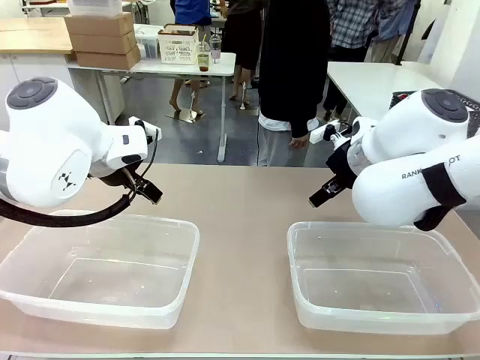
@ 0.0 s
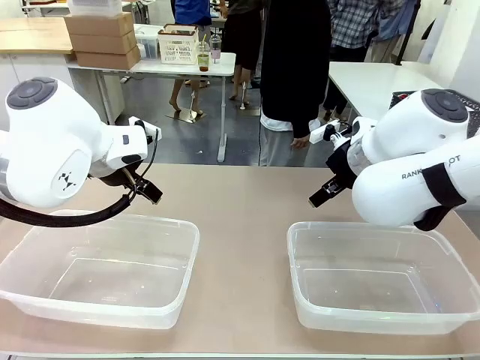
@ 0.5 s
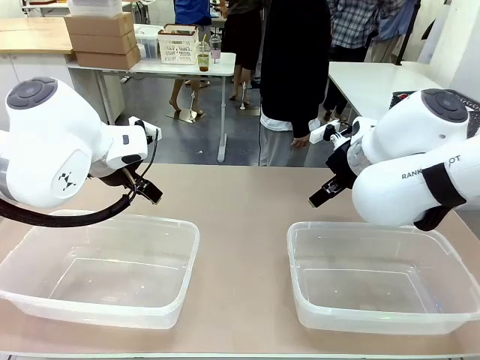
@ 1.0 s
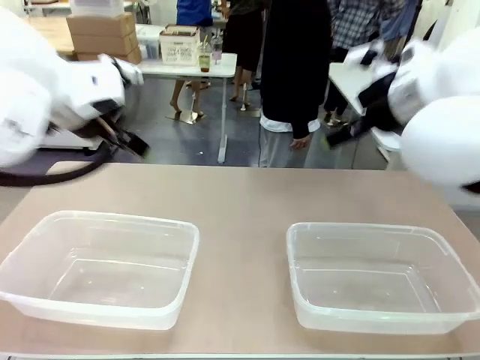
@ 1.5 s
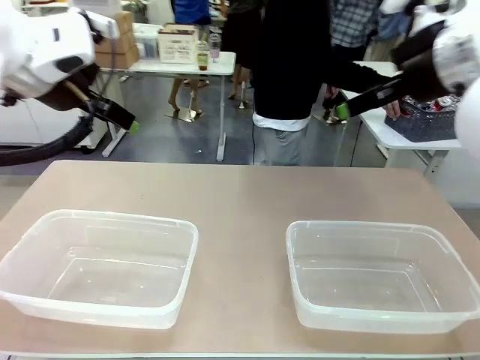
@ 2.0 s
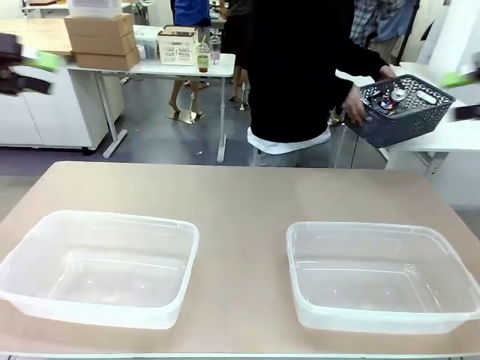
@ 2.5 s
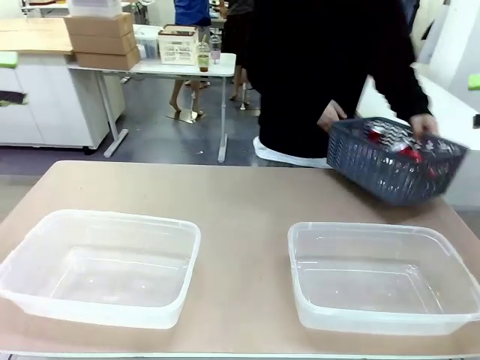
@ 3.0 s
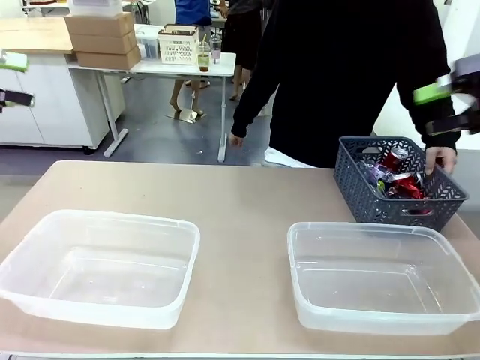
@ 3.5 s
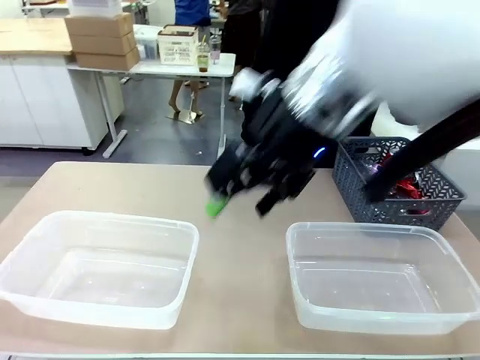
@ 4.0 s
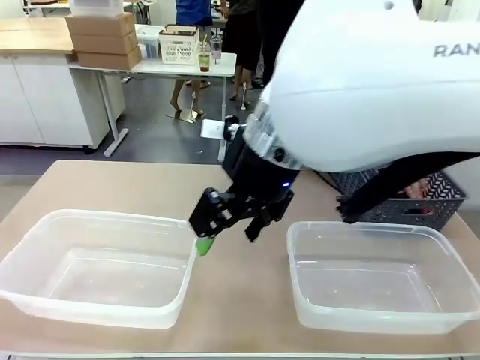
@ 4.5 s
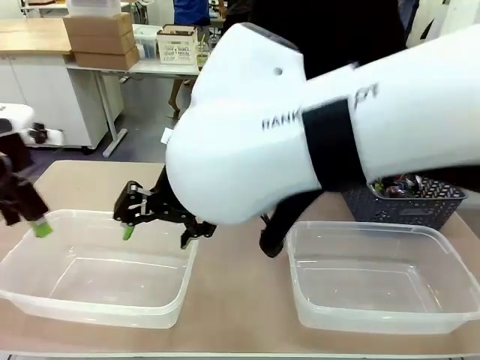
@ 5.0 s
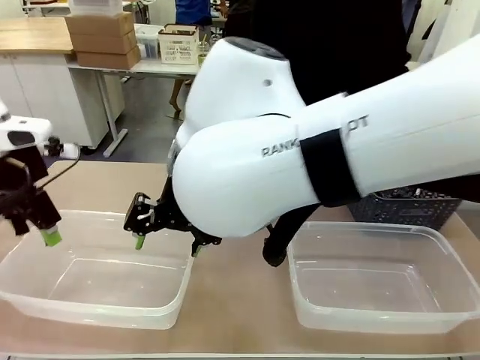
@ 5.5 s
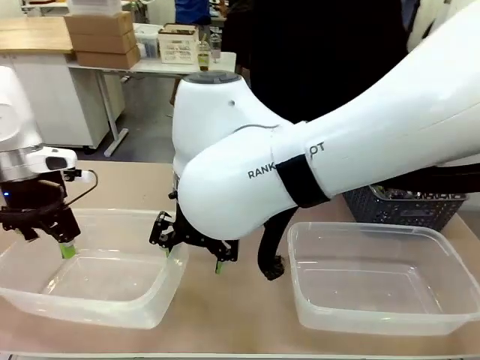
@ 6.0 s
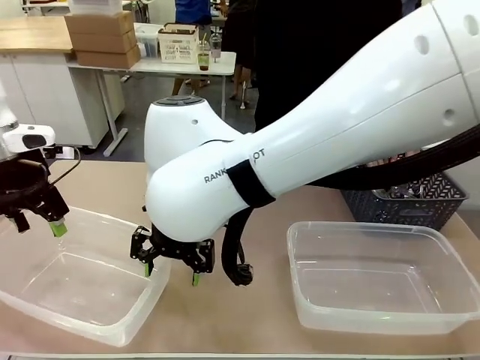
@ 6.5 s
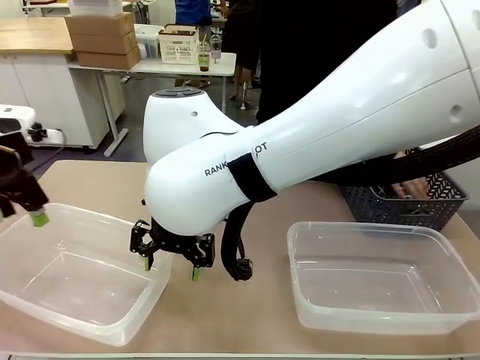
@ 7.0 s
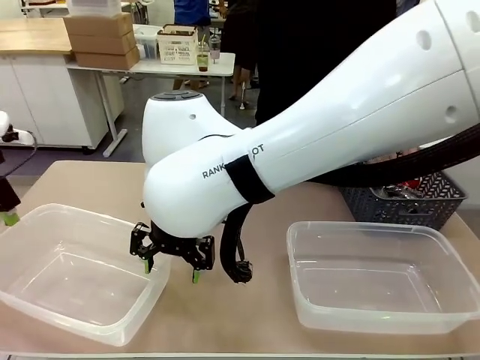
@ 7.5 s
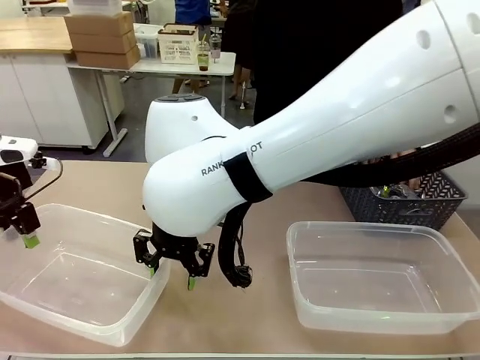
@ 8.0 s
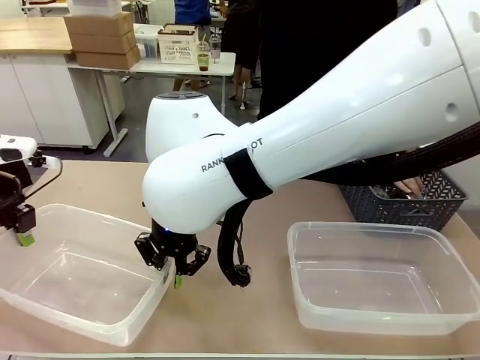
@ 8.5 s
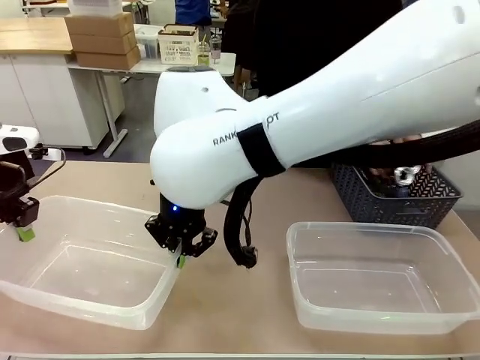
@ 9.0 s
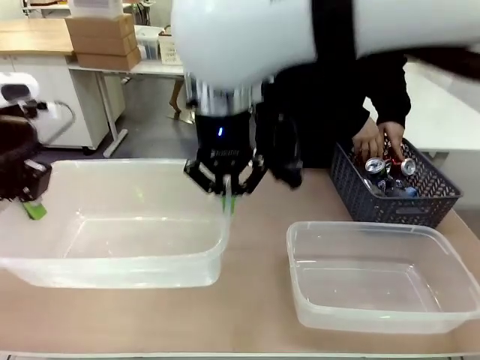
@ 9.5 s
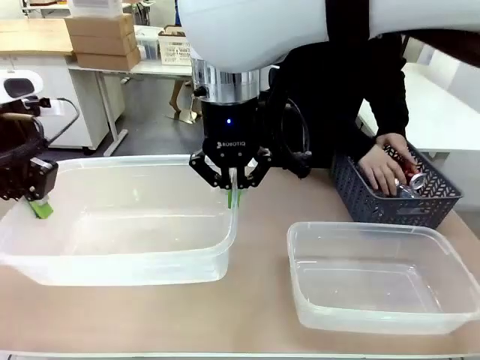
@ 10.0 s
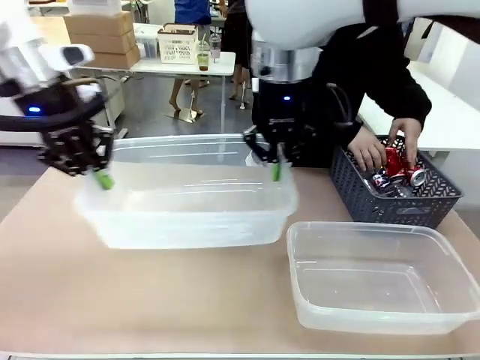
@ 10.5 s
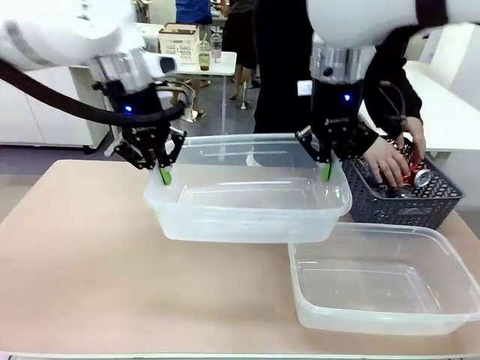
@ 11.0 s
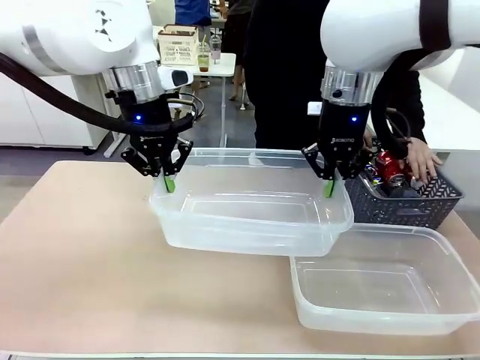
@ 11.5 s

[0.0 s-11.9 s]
Robot: Pick up the Organizing box on the left side of the table and lift it.
Person: Pick up the storage basket and place it on the left side of the robot table. Pick up can-shaped waste one by one and place it into the organizing box lifted by the robot.

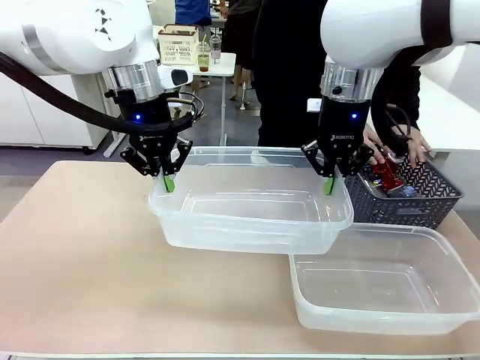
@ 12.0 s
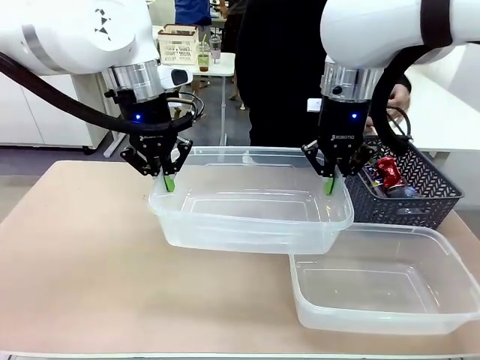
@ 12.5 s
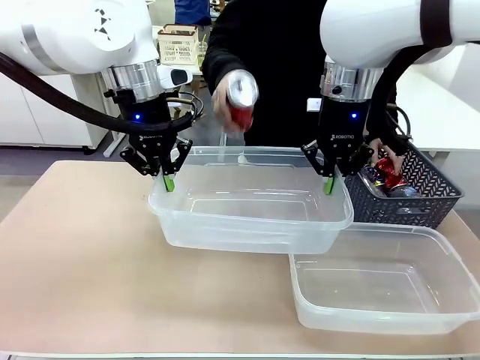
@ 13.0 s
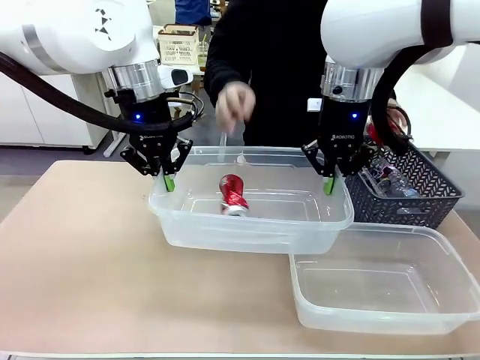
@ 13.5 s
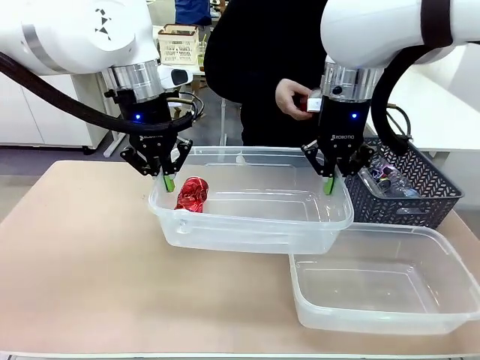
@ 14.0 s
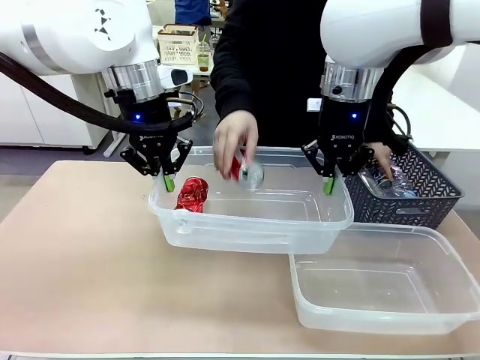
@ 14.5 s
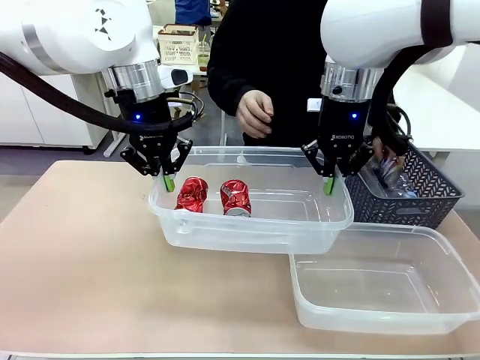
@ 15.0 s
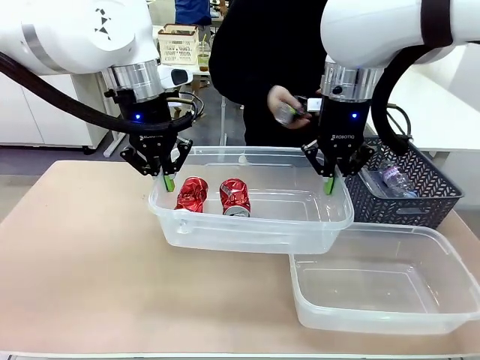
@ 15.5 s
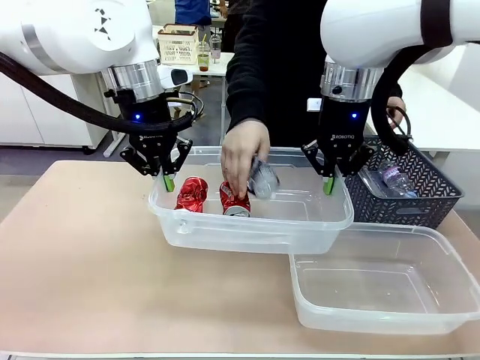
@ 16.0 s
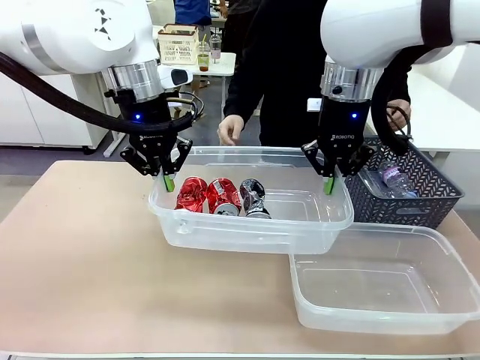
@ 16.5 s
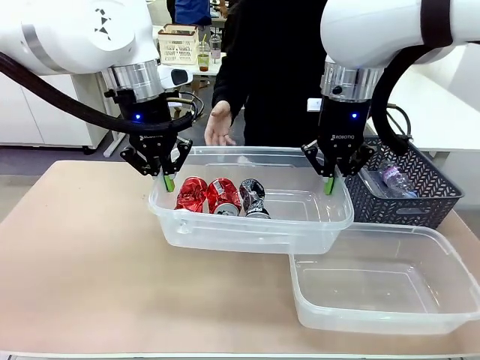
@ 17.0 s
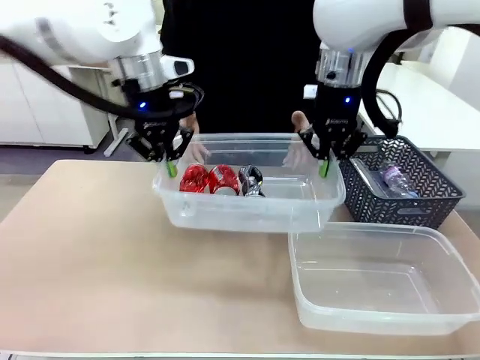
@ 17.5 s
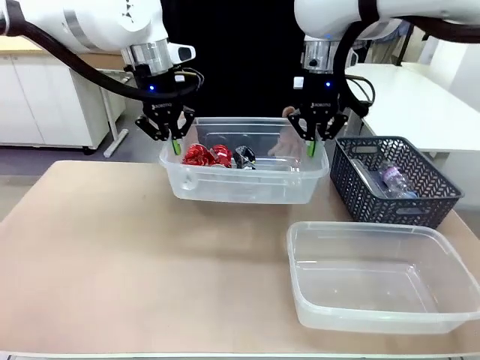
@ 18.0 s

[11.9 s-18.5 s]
Robot: Offer the picked Organizing box to the human.

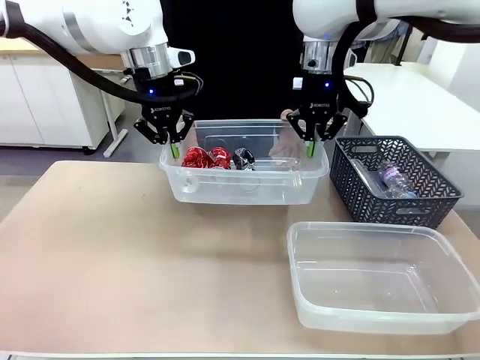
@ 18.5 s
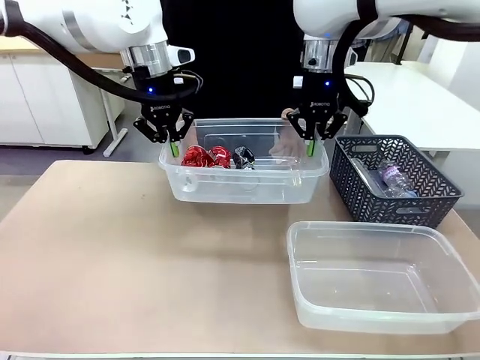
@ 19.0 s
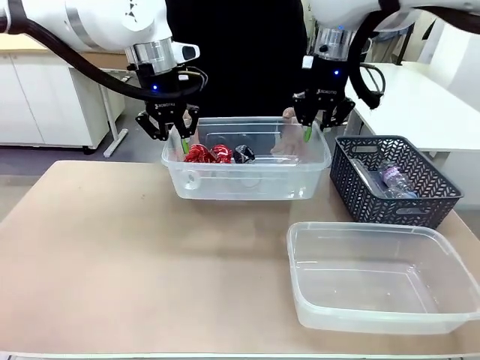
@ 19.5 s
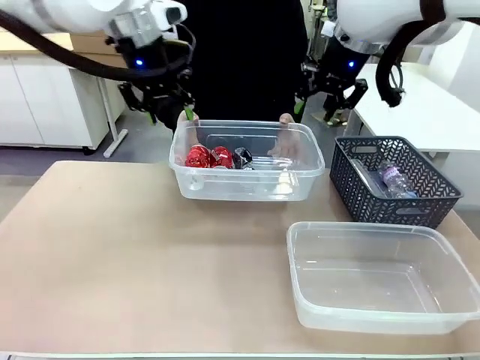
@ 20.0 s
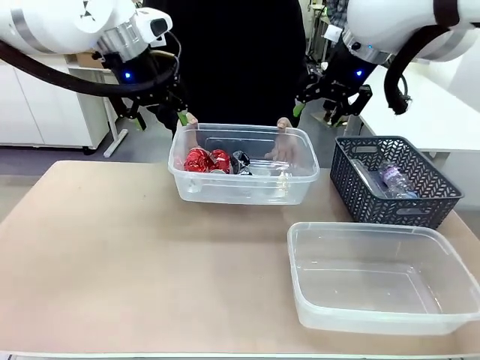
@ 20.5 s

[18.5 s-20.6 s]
Robot: Release the Organizing box you were holding.

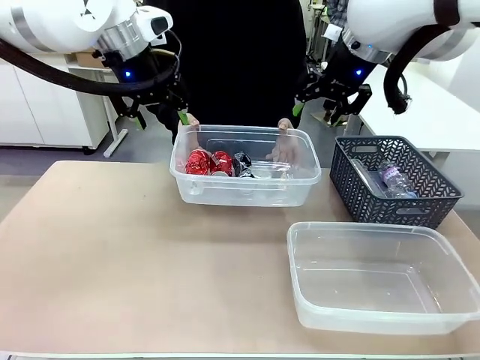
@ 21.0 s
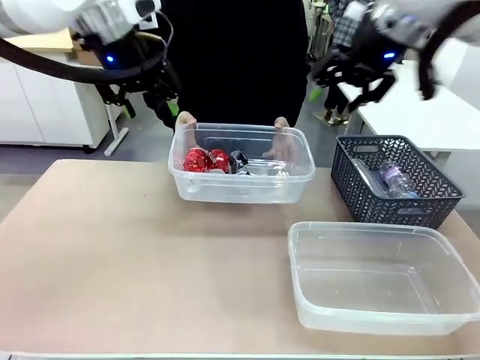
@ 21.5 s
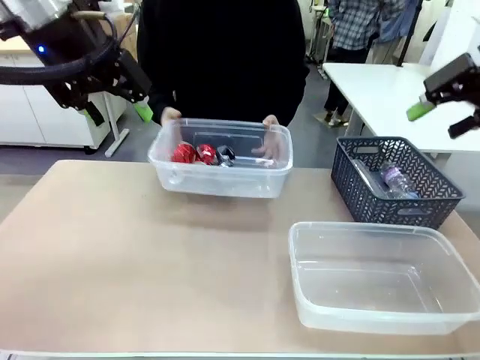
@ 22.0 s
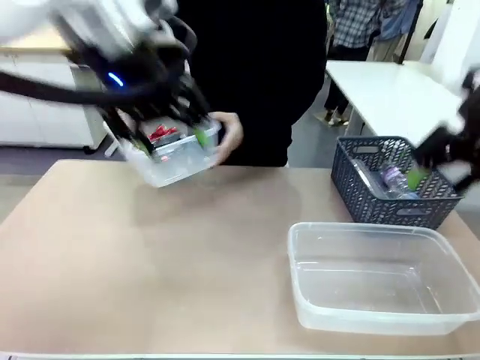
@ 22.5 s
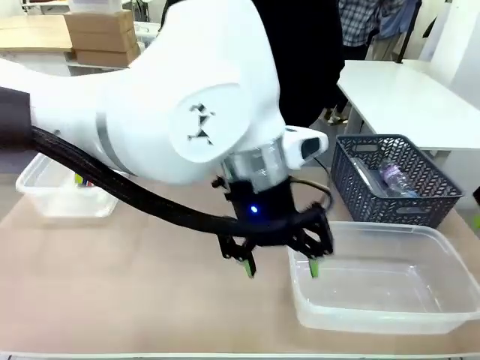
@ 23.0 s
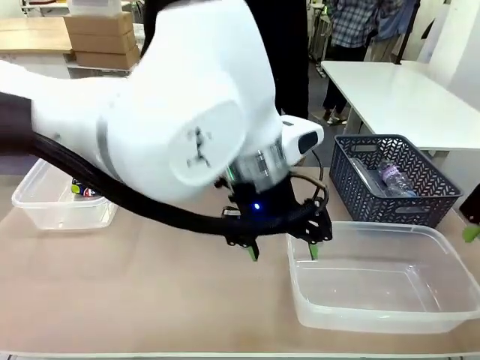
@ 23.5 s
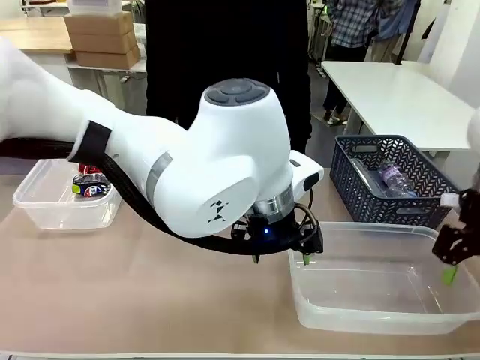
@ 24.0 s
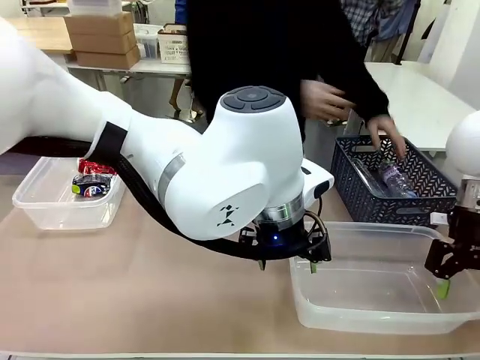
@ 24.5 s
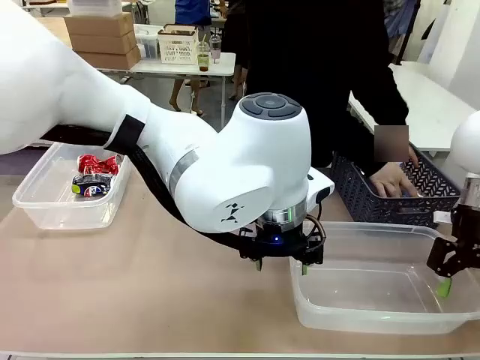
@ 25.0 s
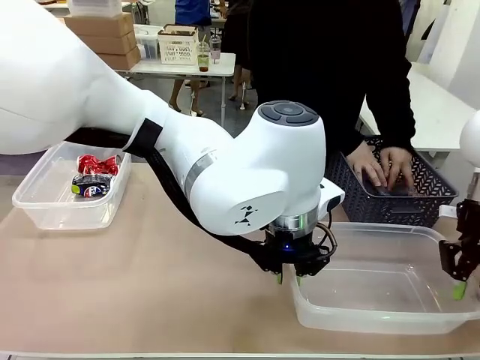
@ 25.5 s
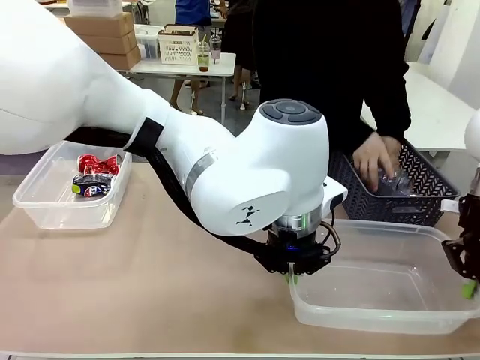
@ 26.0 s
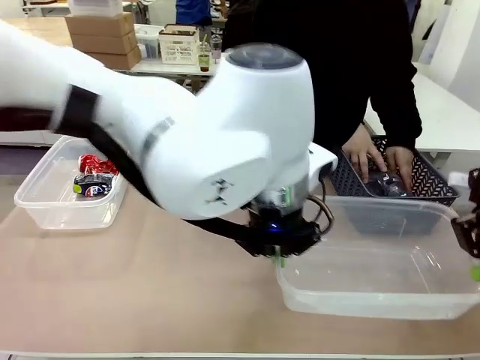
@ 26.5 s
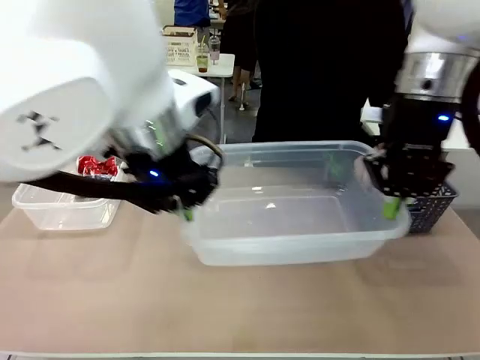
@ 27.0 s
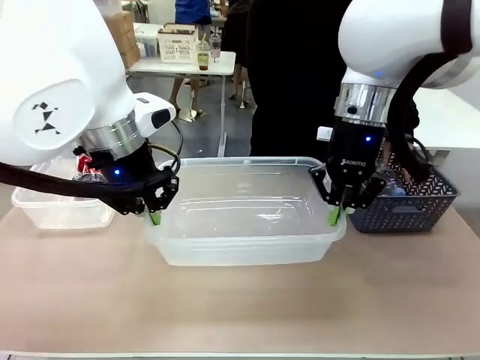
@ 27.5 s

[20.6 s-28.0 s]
Robot: Pick up the Organizing box on the right side of the table and lift it.
Person: Place it at the edge of the bottom right area of the robot table.
